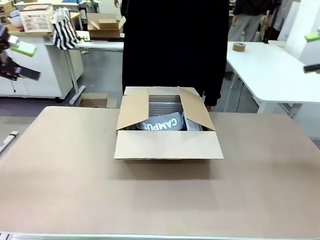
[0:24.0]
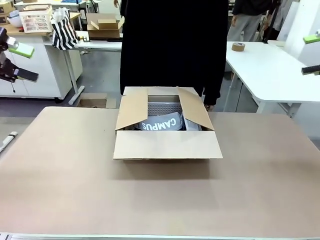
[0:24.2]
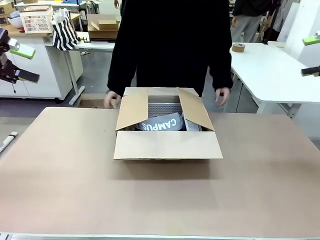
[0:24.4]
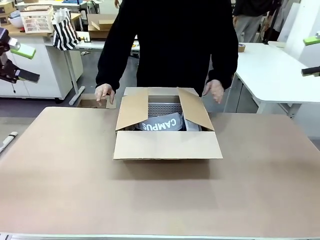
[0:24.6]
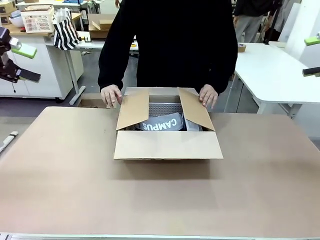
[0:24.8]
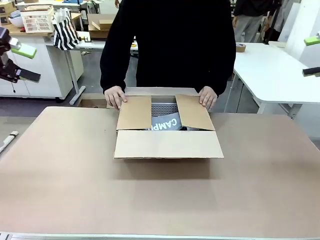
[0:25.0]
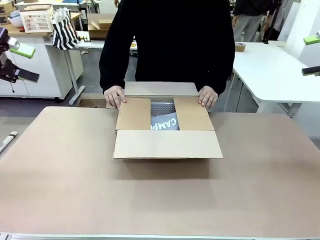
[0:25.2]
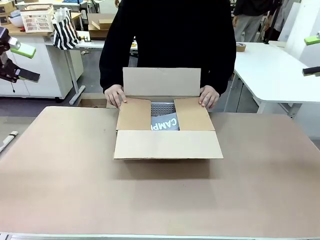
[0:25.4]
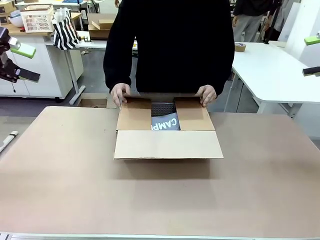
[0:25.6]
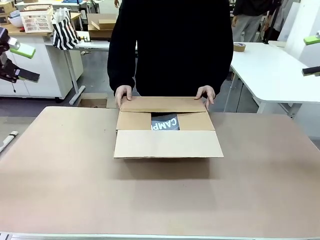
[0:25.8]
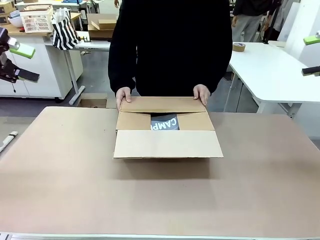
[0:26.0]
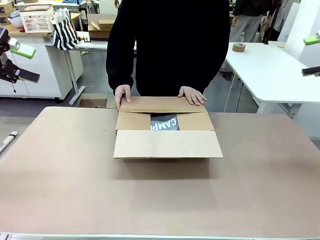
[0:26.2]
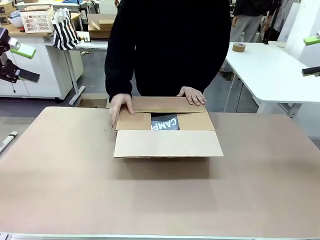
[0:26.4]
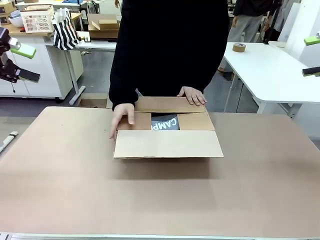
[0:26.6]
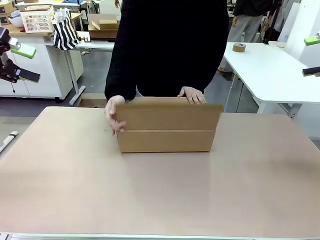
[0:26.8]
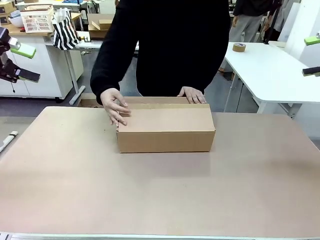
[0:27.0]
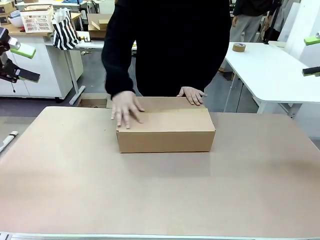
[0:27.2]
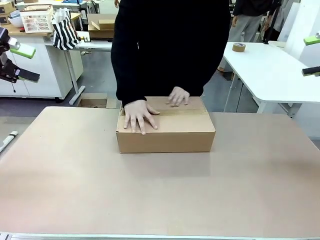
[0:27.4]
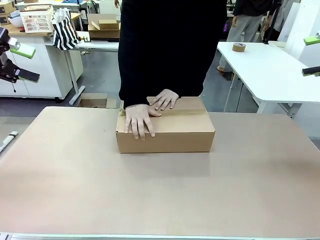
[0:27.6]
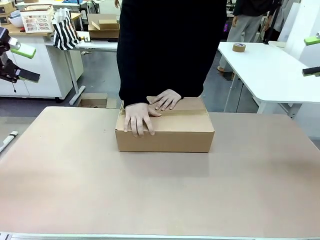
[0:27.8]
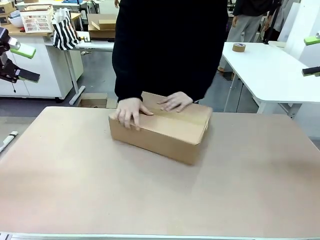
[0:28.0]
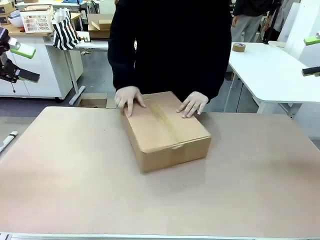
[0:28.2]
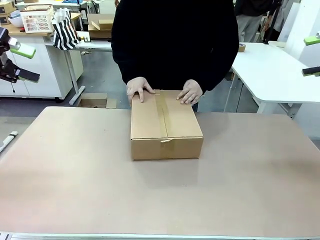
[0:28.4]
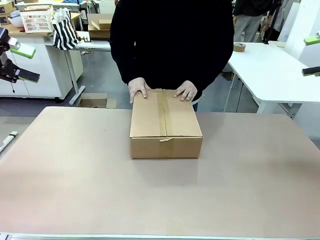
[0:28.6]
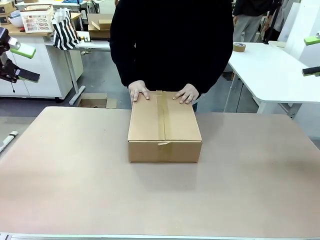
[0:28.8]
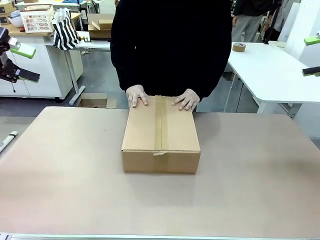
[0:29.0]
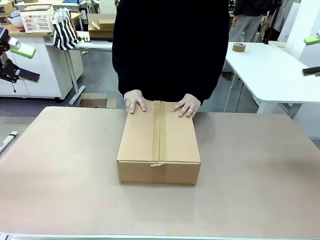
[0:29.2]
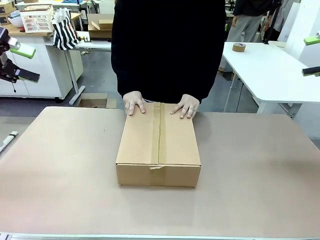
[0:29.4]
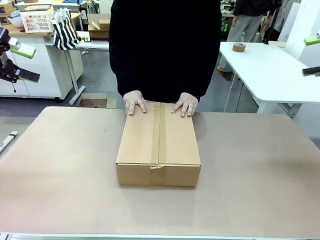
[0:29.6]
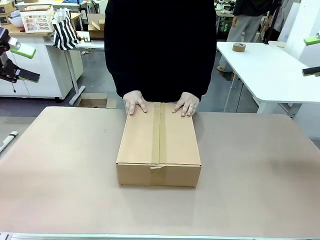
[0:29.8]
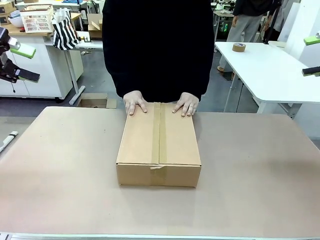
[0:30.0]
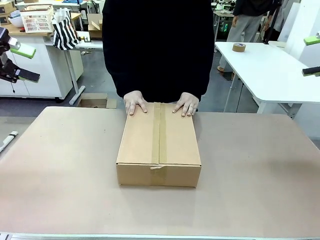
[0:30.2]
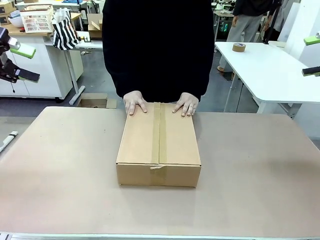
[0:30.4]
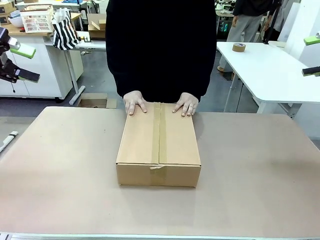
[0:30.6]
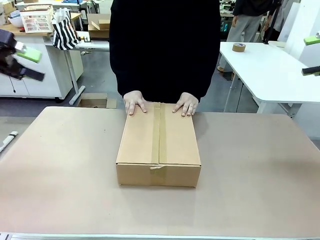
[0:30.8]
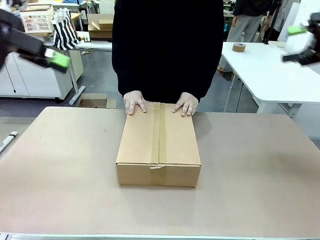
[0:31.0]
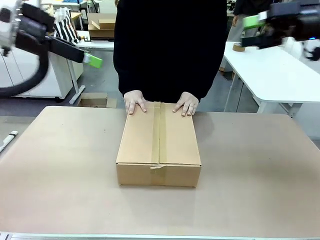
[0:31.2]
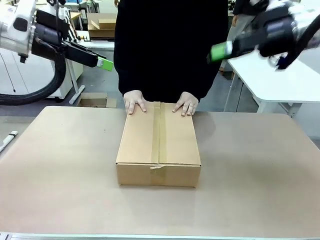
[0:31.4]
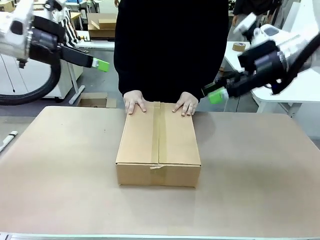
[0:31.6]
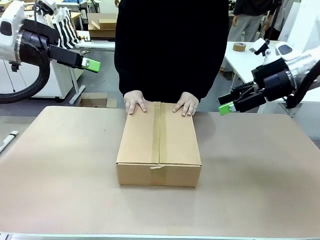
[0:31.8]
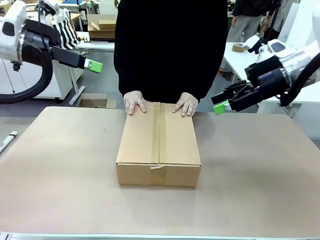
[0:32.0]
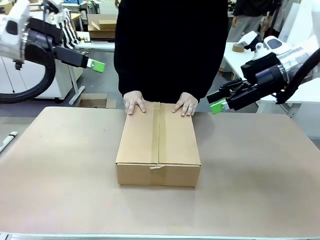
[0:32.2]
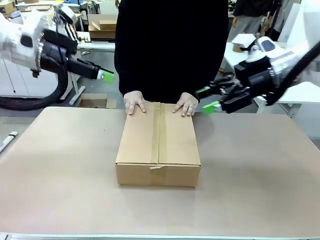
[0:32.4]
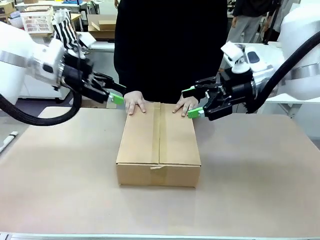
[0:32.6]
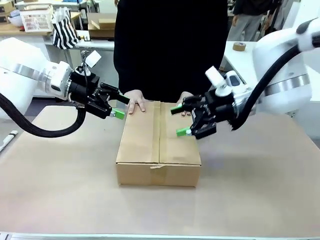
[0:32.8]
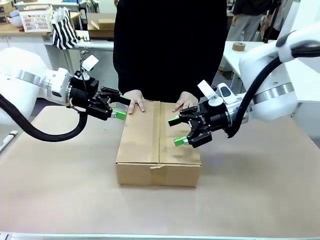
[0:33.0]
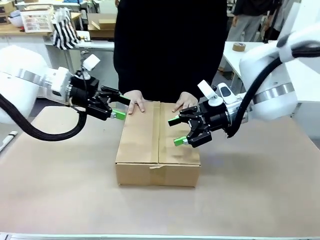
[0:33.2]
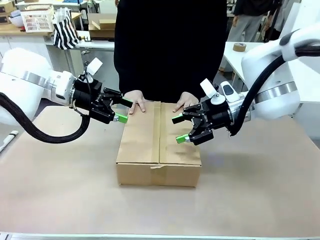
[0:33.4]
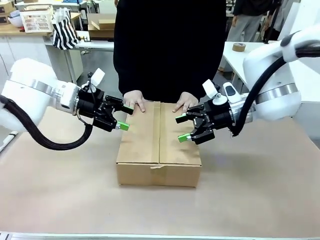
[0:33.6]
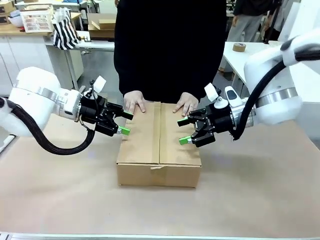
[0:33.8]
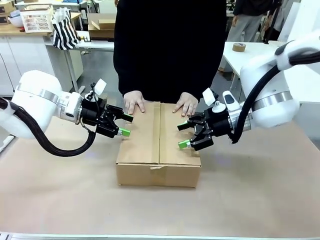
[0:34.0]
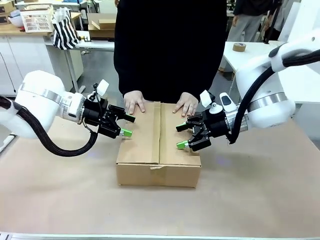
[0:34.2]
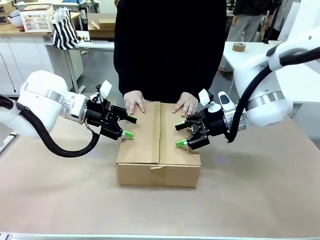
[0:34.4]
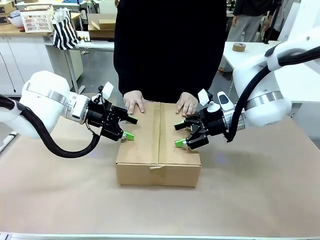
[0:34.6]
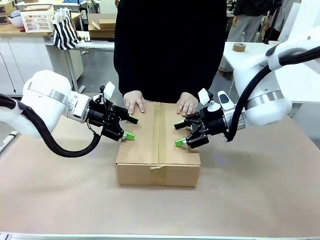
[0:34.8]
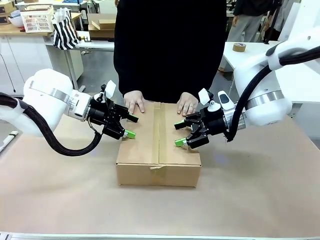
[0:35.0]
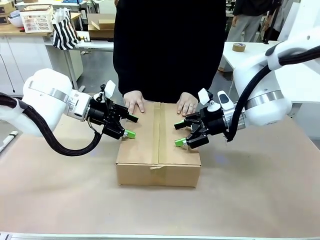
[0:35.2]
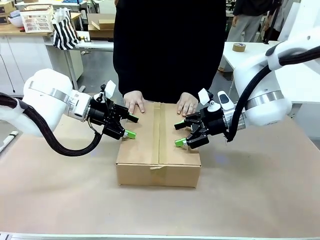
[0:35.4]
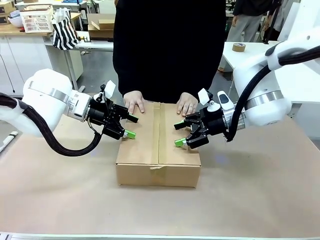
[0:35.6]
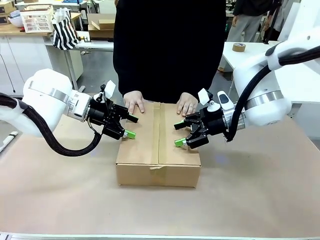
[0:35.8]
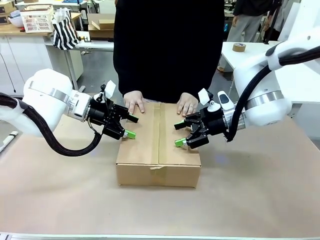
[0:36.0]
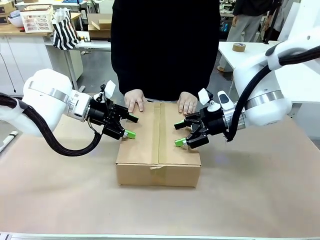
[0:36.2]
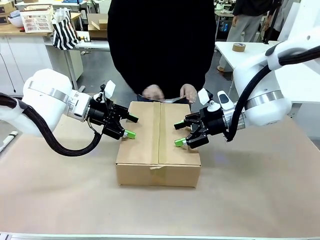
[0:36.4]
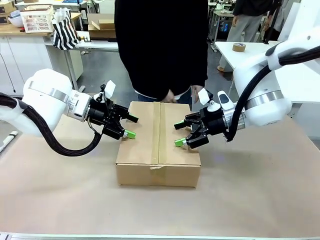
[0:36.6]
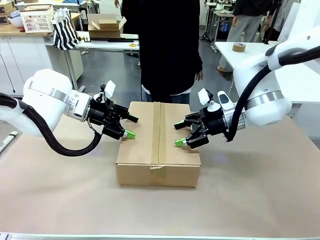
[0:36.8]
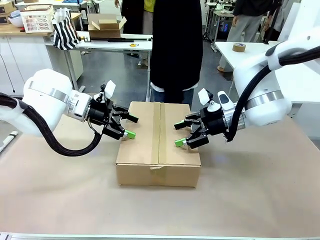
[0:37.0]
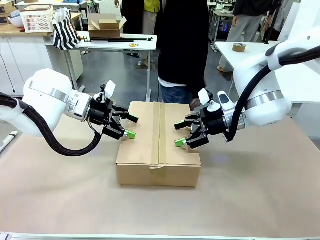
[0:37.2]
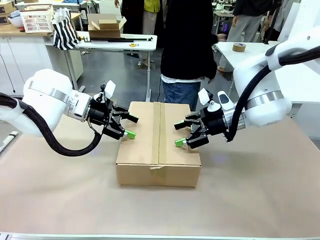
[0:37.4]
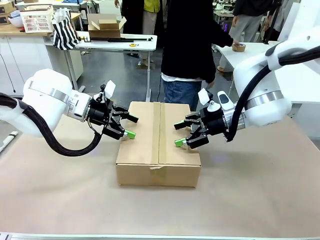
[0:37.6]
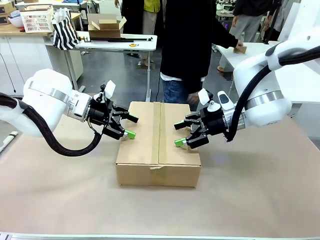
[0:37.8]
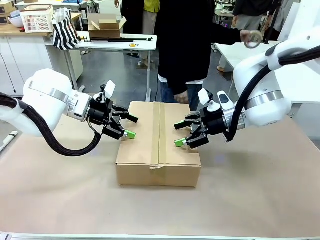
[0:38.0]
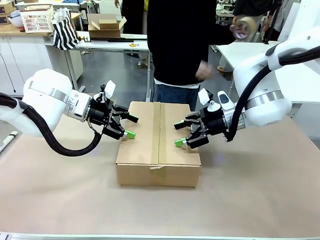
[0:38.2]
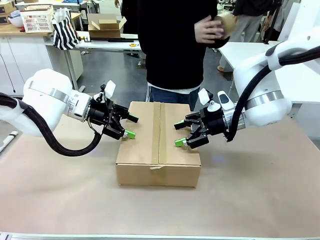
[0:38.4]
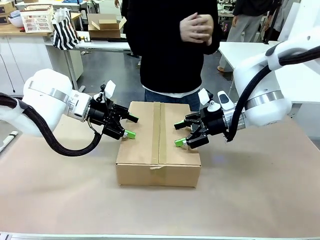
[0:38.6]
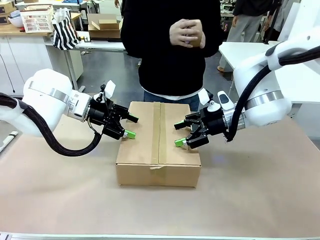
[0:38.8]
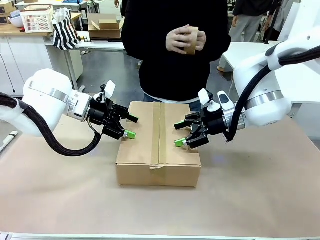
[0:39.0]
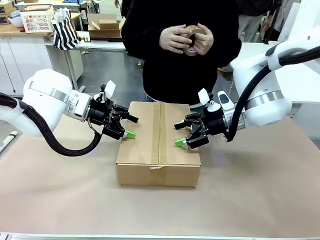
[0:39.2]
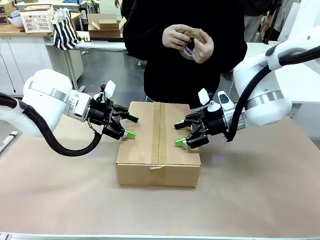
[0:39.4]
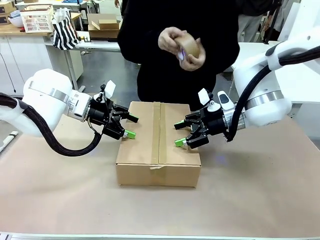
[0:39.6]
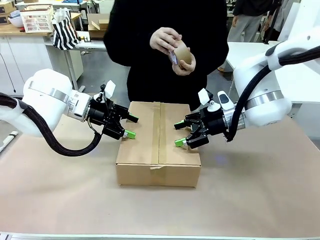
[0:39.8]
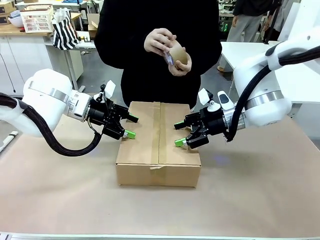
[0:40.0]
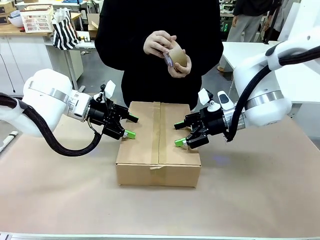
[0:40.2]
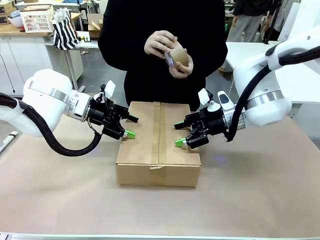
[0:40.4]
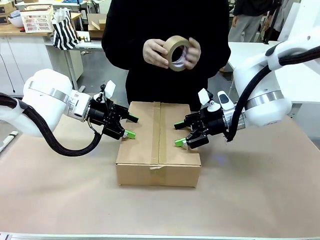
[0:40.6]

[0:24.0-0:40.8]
Task: Pack the gift set into the box.
Robot: Press and hold the closed box until the human finishes sealing it.
Person: The human closes the box and rotates the box by 90 degrees.
